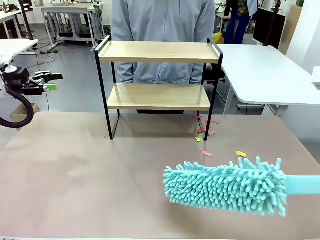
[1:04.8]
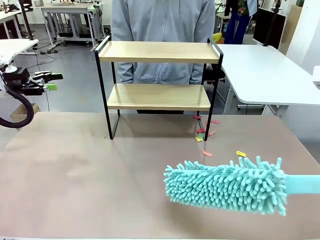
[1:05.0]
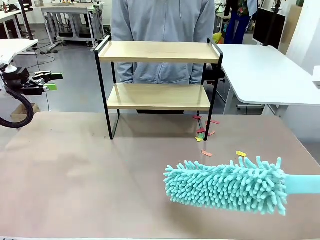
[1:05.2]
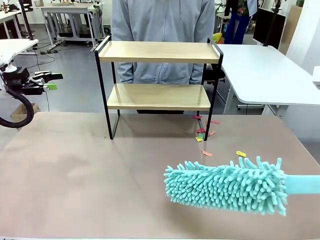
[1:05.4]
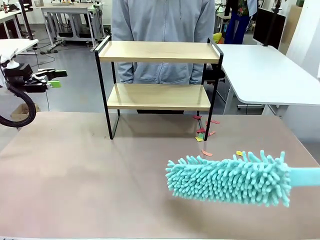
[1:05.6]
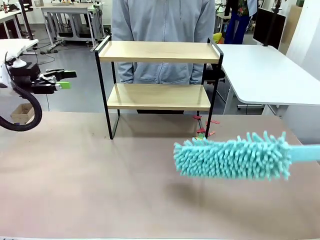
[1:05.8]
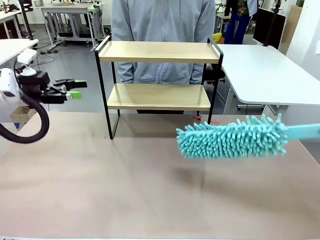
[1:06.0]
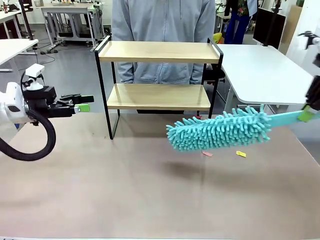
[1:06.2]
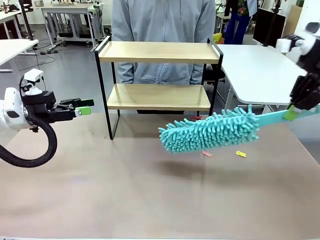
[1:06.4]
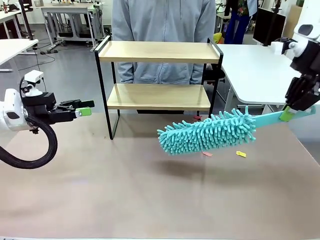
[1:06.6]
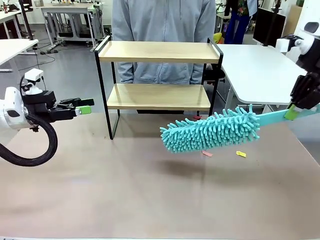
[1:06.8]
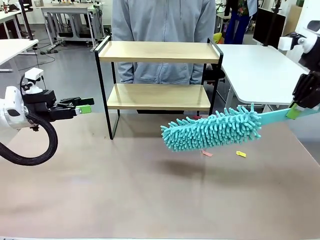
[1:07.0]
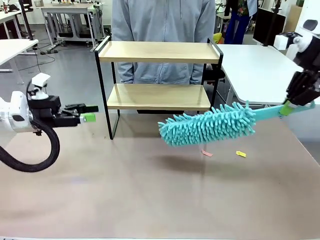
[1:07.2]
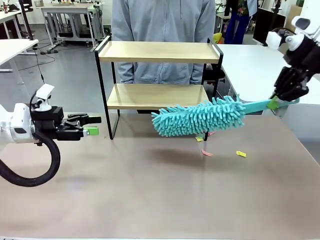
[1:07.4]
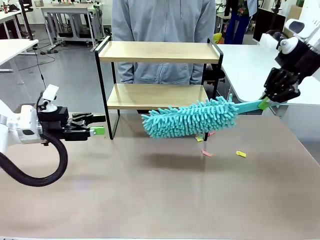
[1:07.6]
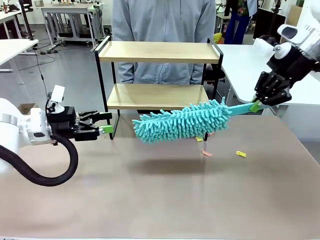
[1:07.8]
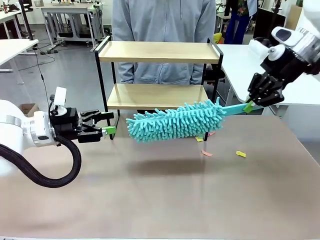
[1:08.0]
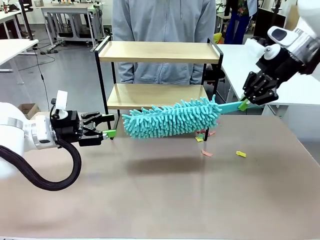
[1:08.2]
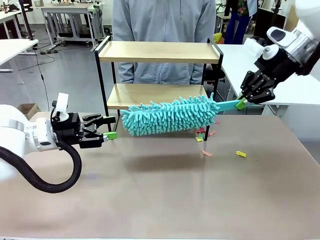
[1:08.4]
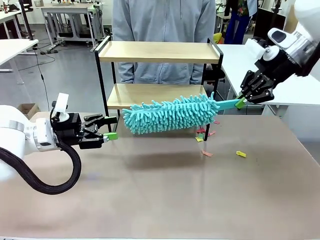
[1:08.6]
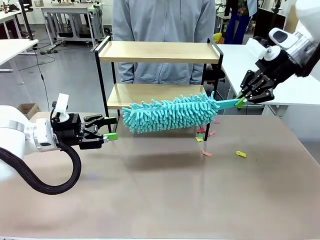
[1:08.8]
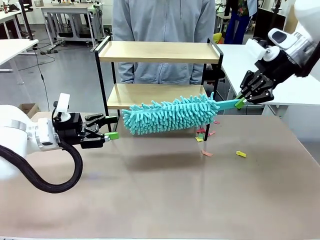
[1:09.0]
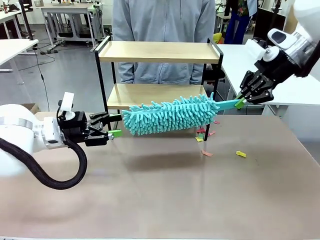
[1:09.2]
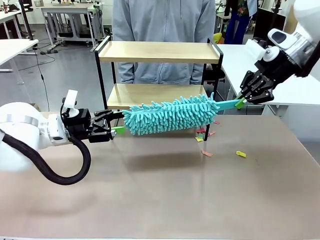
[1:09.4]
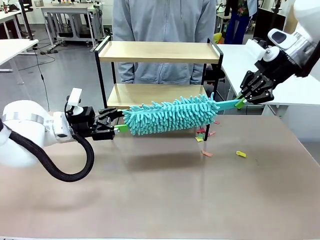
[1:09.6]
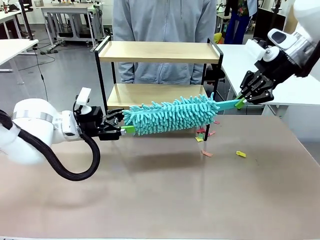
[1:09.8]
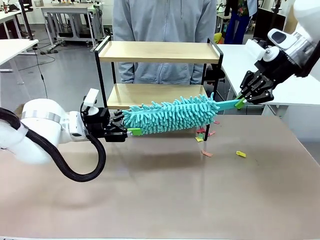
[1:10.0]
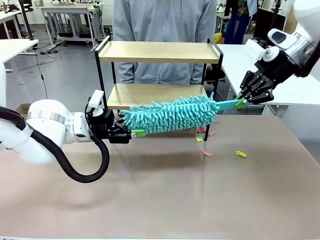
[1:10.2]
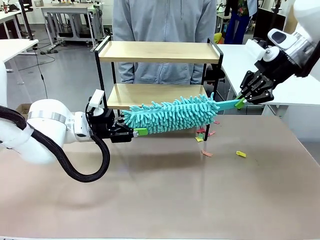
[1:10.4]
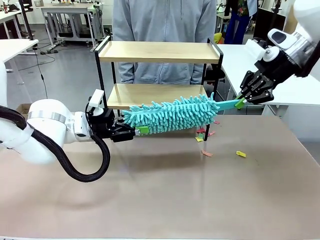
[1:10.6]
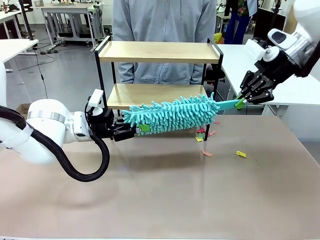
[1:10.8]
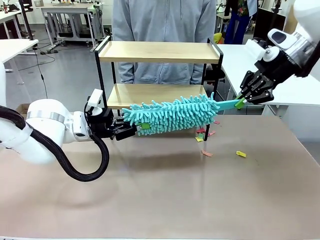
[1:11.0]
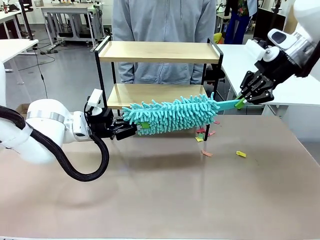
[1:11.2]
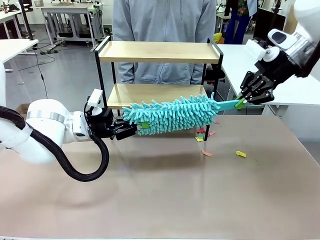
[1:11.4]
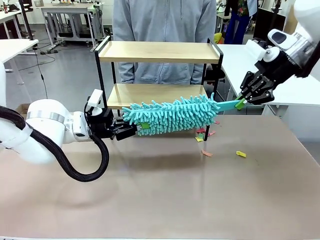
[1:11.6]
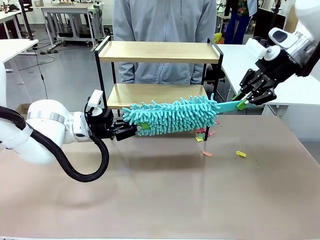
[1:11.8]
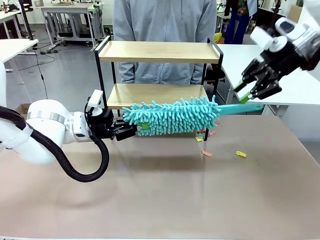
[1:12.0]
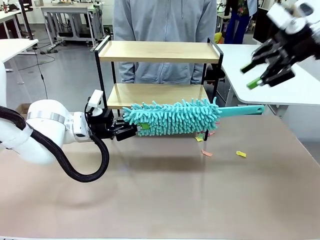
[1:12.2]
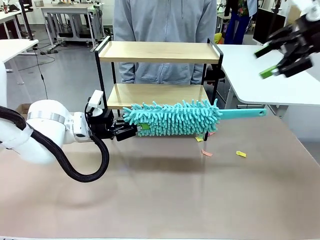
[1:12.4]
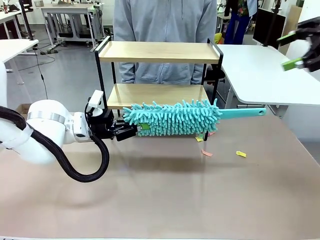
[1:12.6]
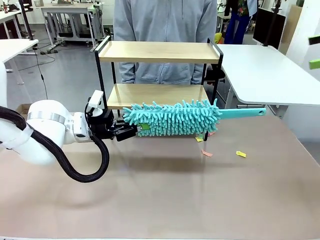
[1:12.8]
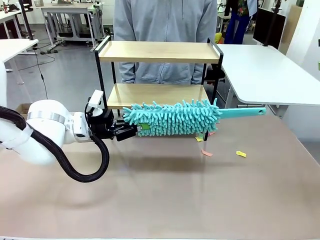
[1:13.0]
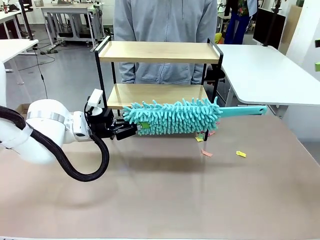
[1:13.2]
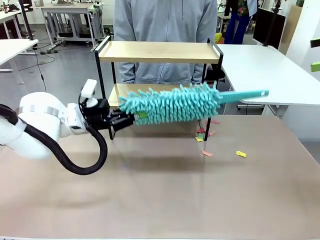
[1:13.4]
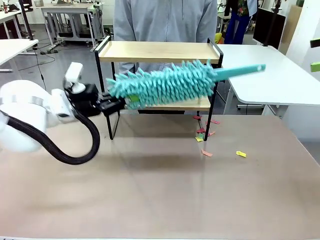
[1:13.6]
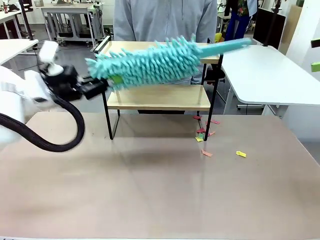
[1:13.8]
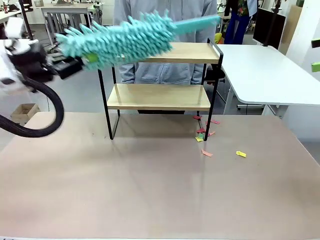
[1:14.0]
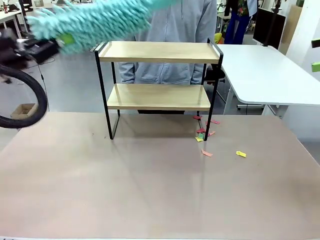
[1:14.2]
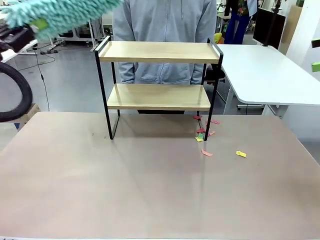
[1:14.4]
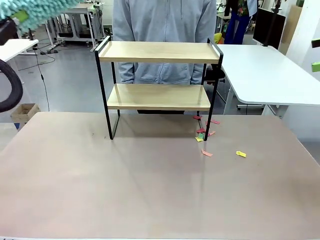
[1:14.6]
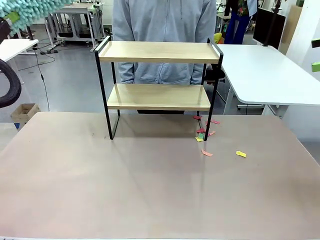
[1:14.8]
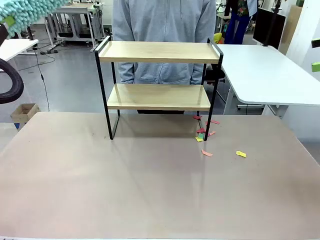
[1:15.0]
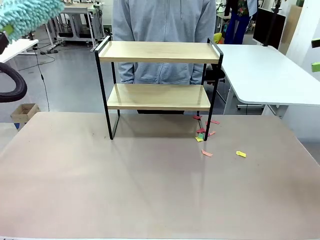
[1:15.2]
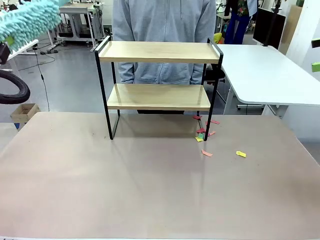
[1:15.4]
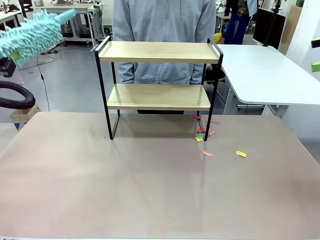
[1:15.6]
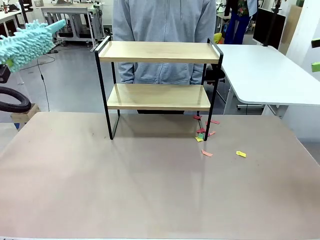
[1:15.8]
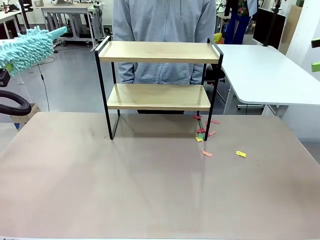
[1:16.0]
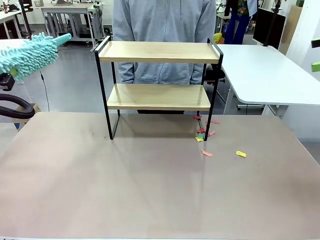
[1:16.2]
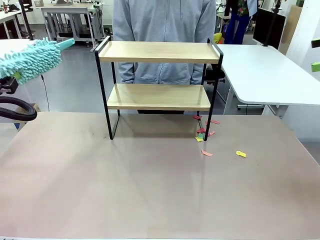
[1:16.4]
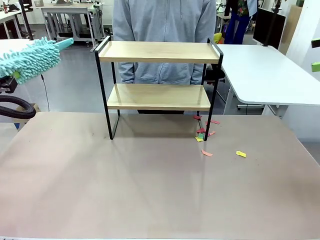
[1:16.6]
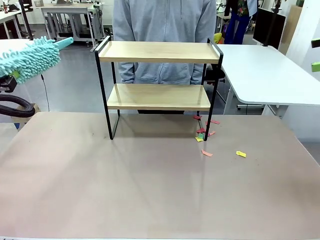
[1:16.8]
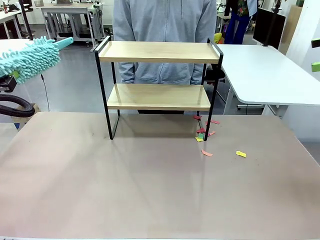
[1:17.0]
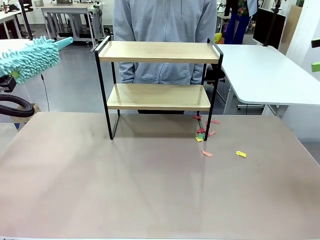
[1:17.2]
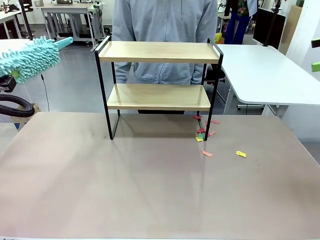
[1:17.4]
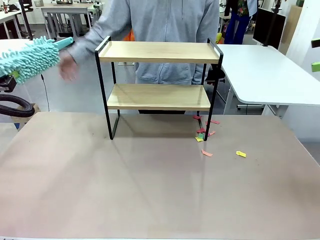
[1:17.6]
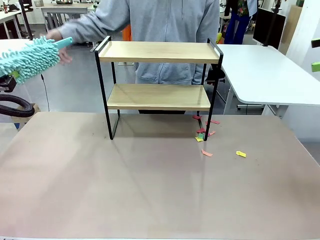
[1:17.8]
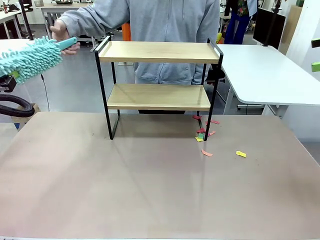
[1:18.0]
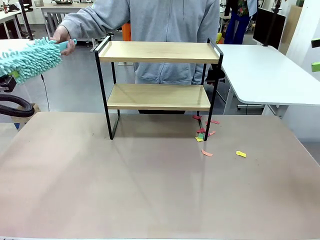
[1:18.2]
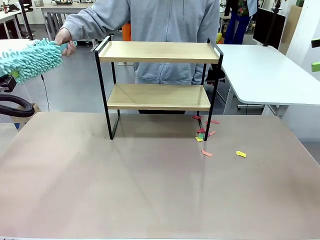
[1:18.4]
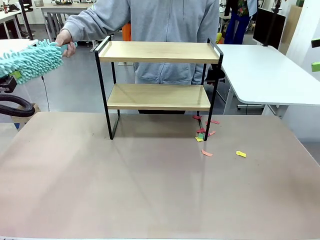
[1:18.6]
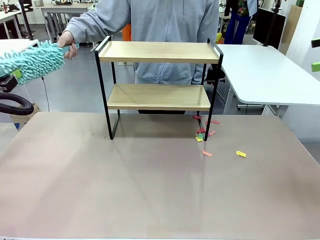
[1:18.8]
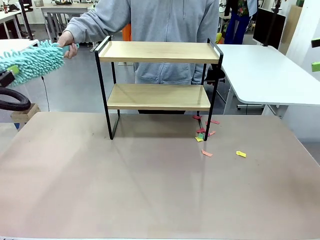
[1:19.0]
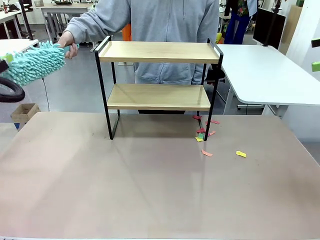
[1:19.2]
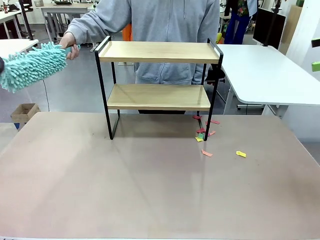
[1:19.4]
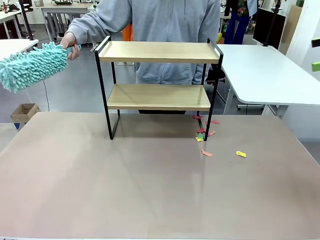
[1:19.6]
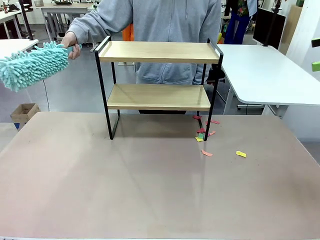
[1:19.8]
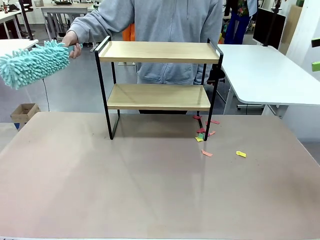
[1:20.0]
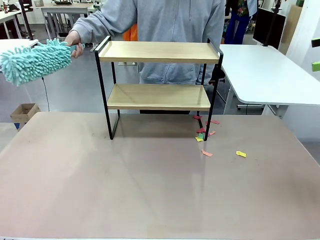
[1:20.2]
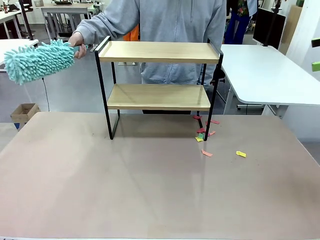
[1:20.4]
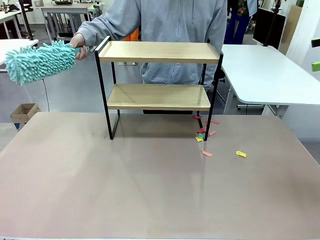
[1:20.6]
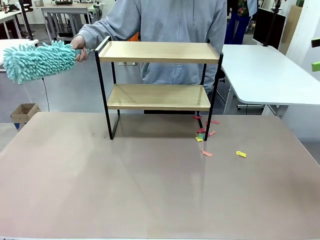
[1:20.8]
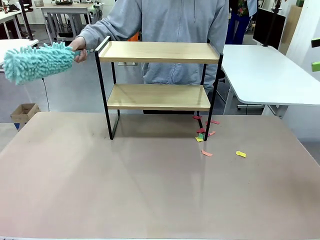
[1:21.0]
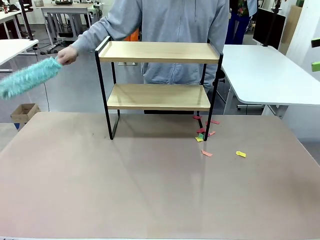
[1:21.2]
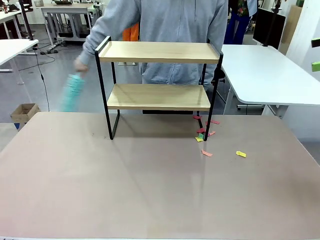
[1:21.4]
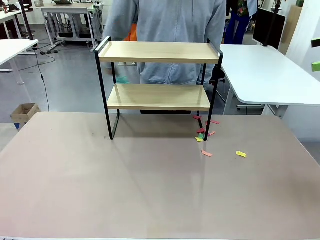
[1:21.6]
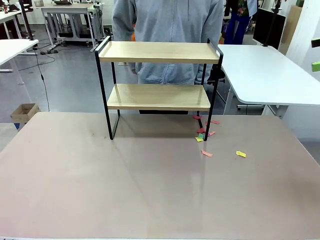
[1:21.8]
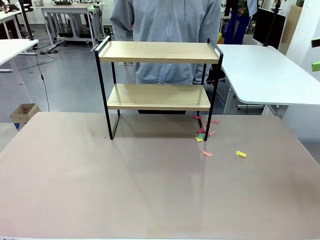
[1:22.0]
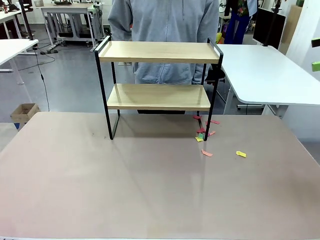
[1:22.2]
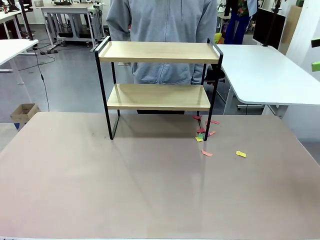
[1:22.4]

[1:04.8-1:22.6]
Task: Clean the shelf.
Robot: Hand the Duster back to the human.
Person: Receive the Duster from the robot.
